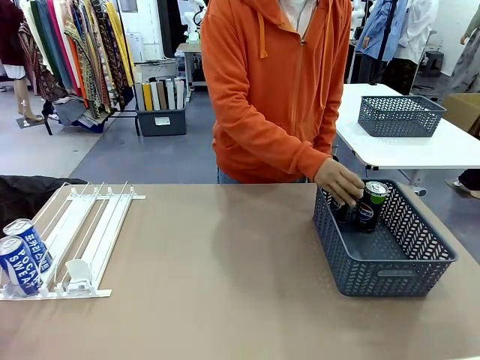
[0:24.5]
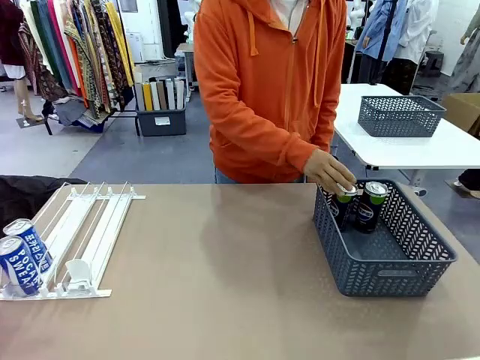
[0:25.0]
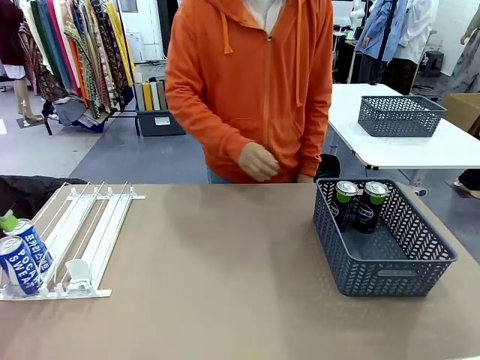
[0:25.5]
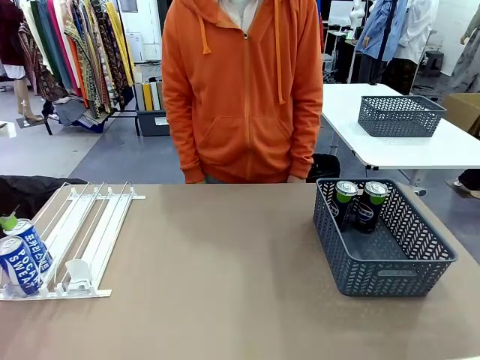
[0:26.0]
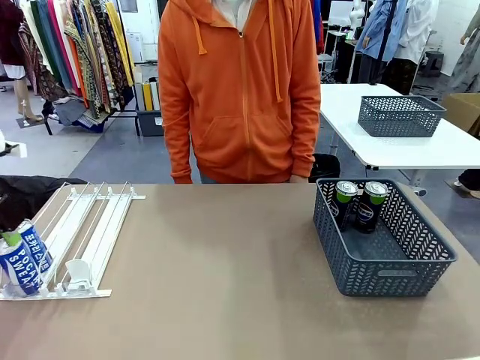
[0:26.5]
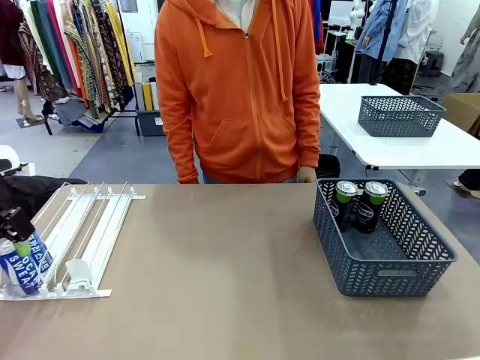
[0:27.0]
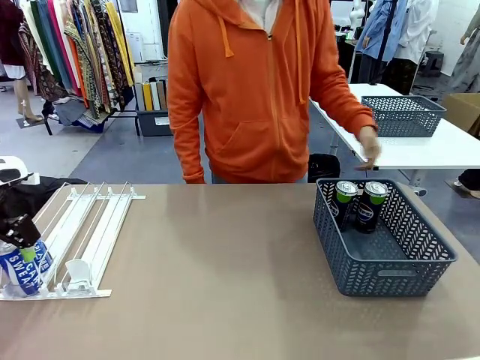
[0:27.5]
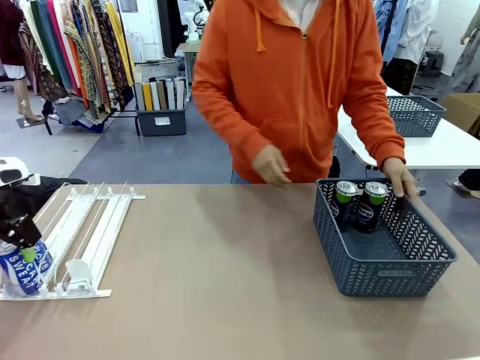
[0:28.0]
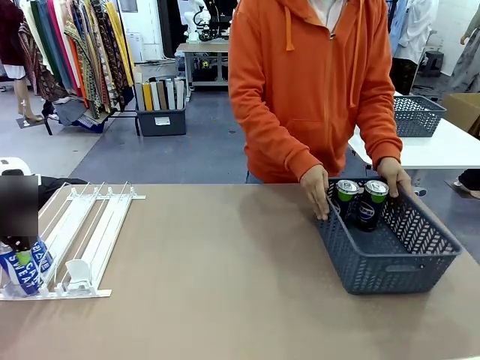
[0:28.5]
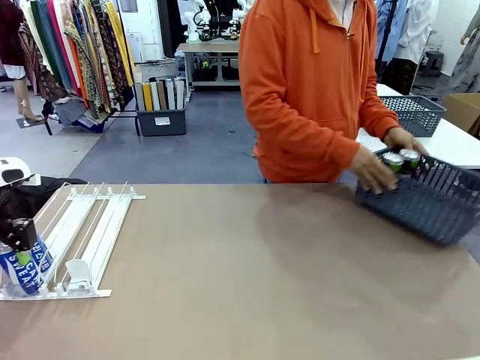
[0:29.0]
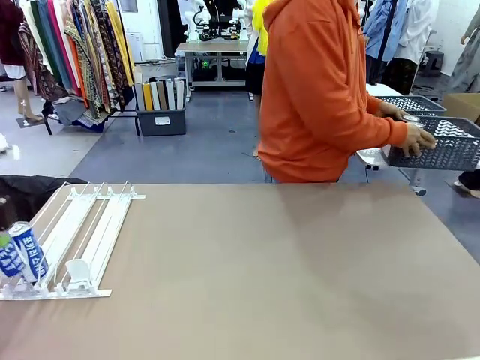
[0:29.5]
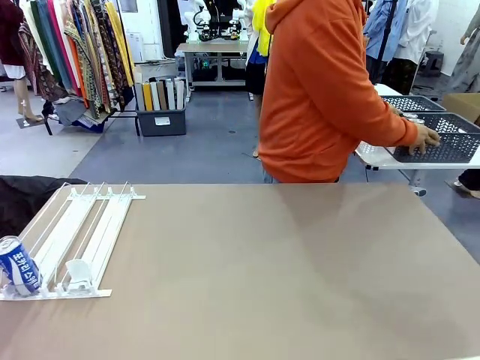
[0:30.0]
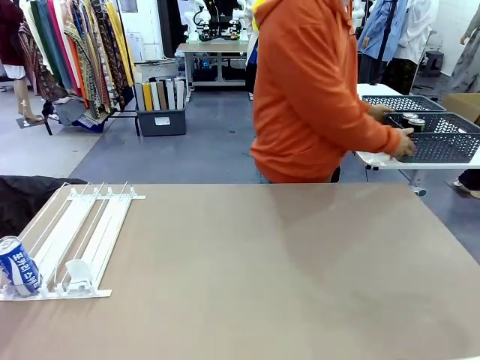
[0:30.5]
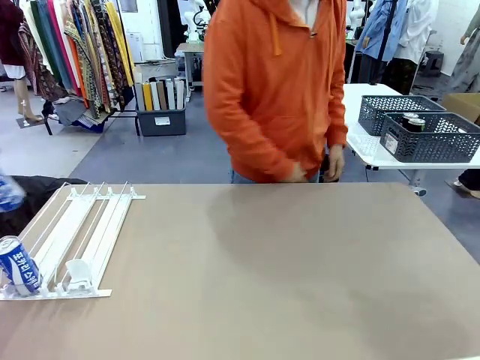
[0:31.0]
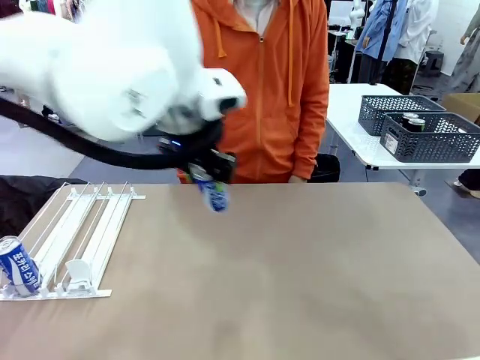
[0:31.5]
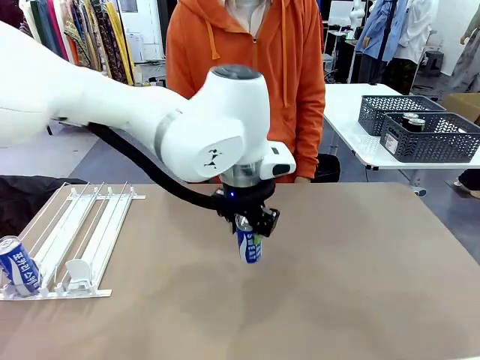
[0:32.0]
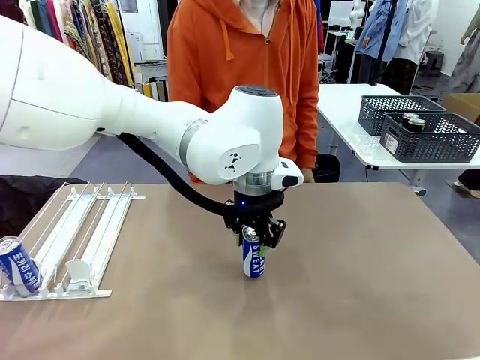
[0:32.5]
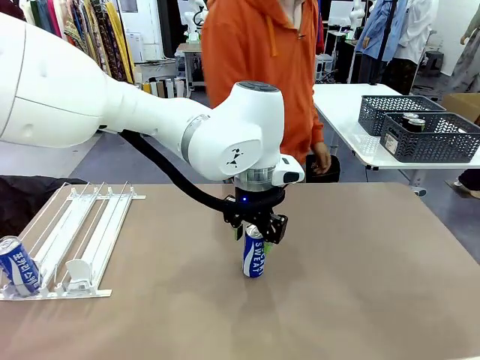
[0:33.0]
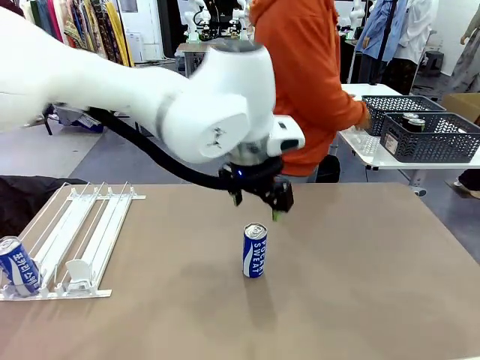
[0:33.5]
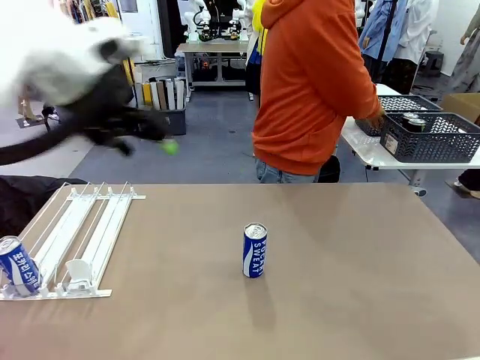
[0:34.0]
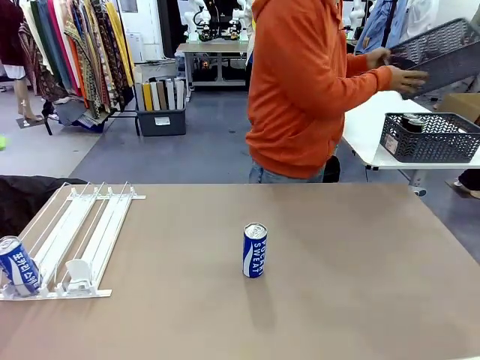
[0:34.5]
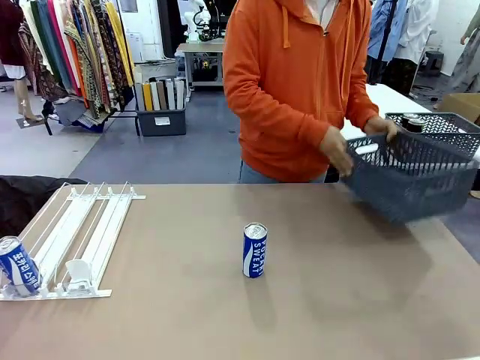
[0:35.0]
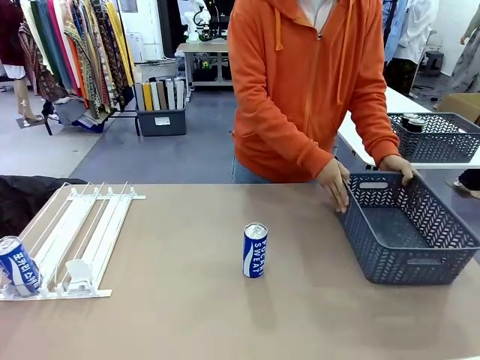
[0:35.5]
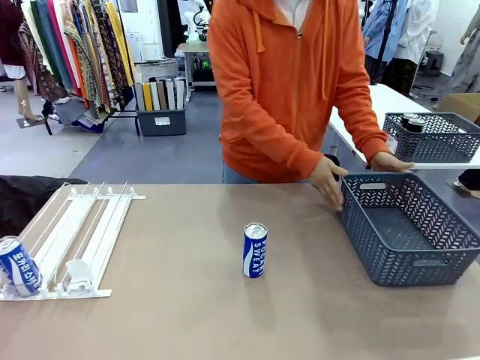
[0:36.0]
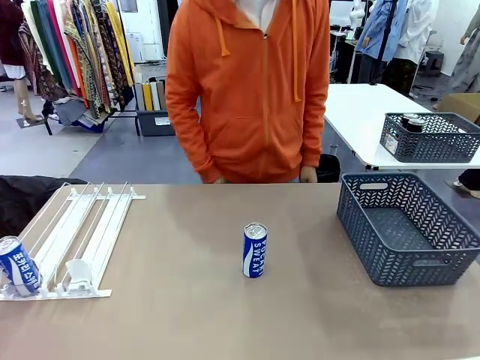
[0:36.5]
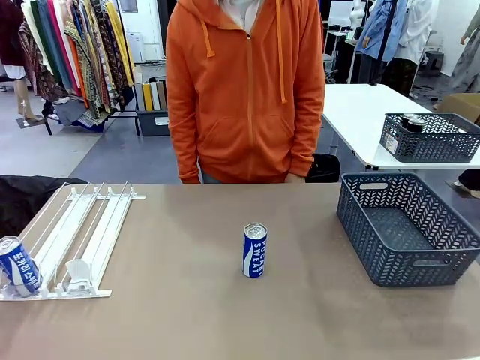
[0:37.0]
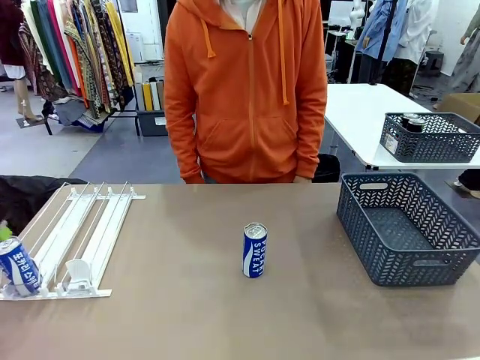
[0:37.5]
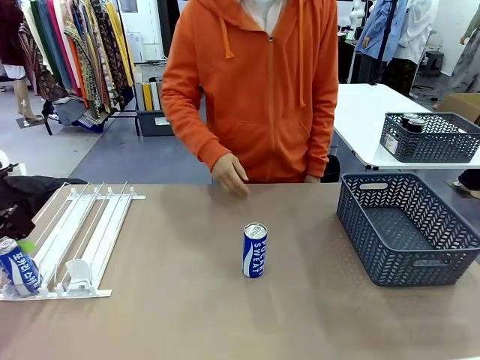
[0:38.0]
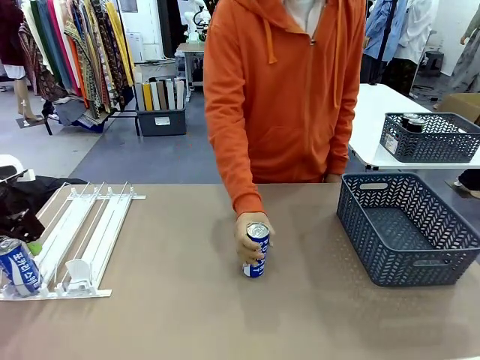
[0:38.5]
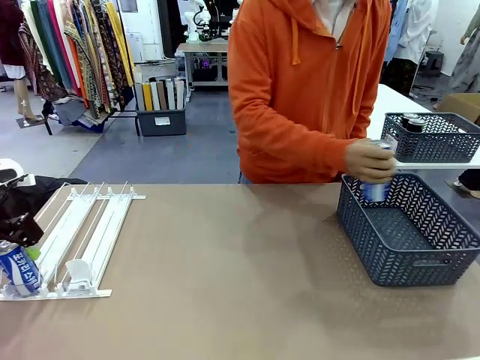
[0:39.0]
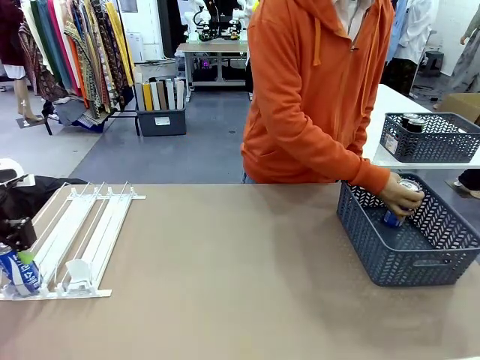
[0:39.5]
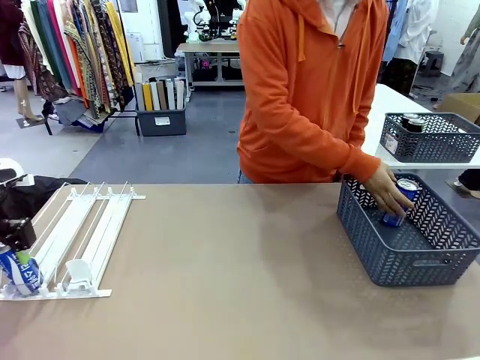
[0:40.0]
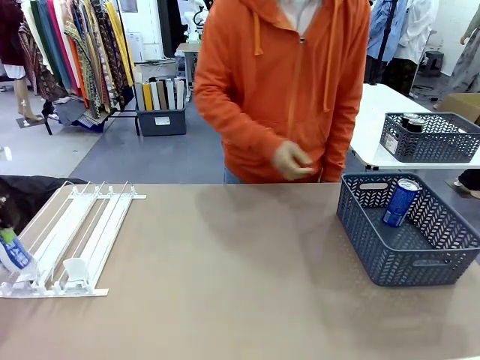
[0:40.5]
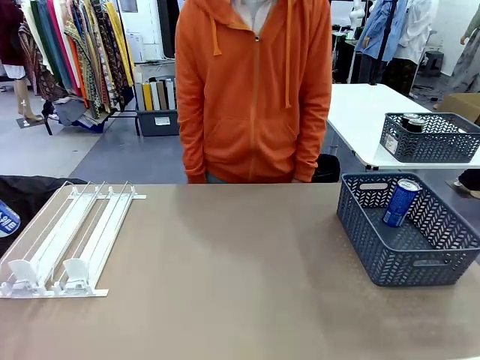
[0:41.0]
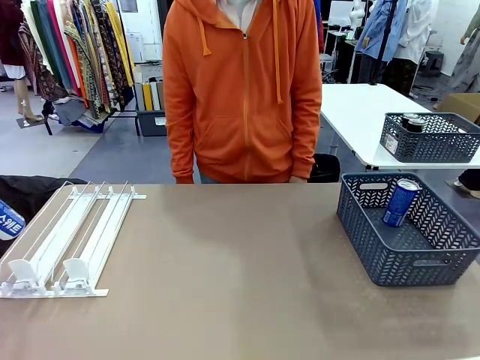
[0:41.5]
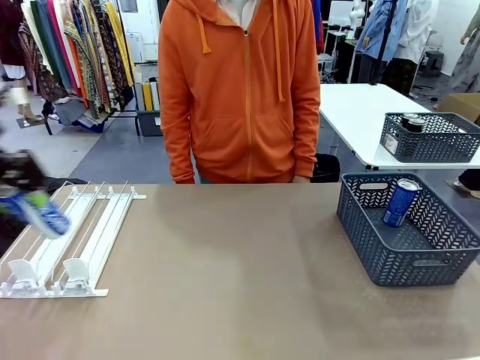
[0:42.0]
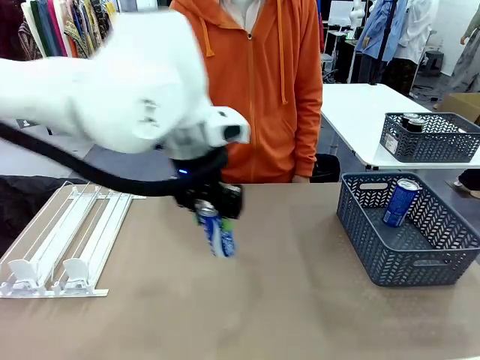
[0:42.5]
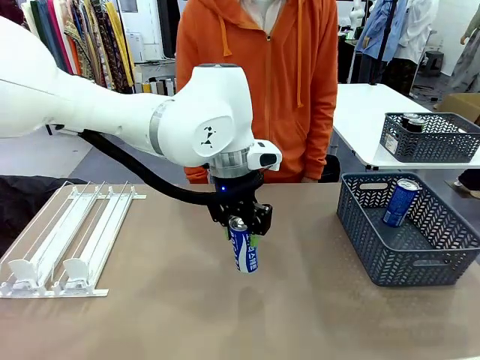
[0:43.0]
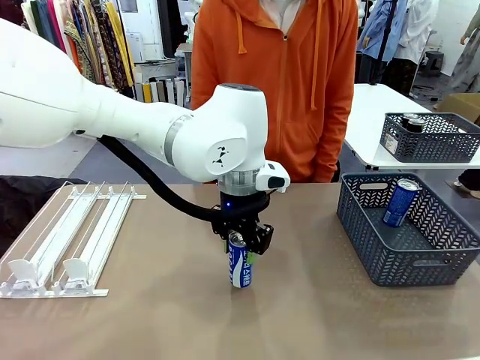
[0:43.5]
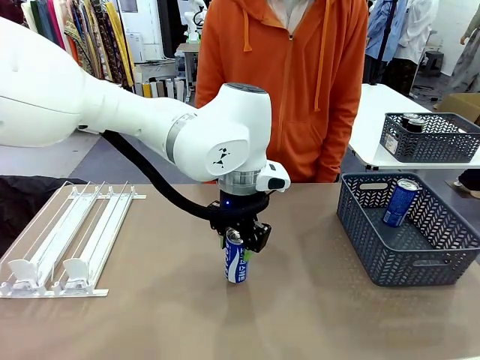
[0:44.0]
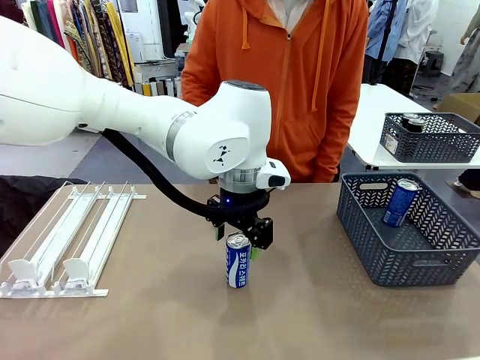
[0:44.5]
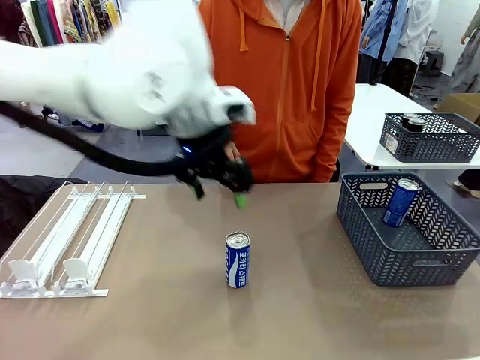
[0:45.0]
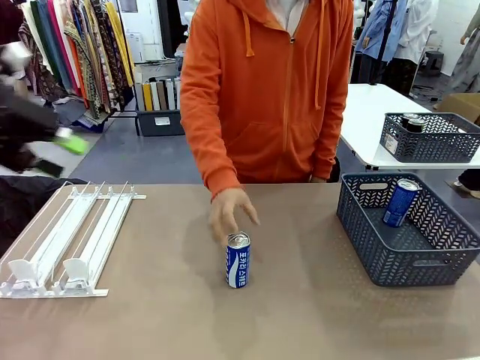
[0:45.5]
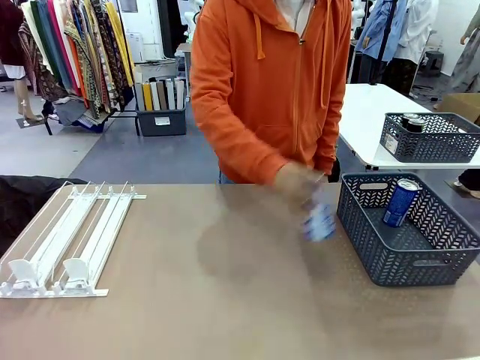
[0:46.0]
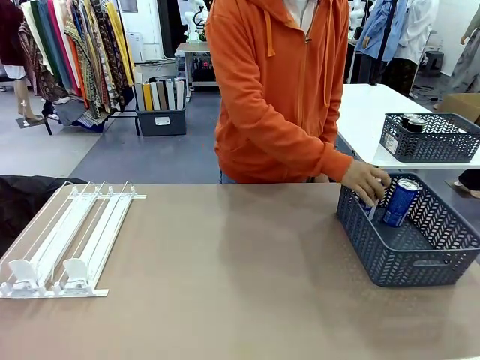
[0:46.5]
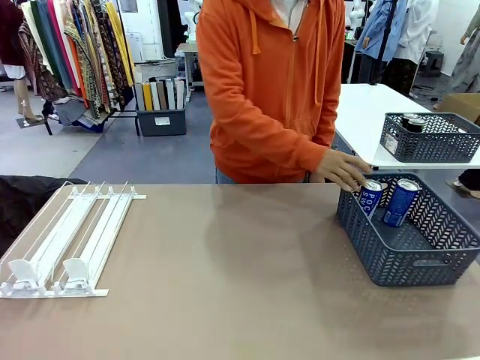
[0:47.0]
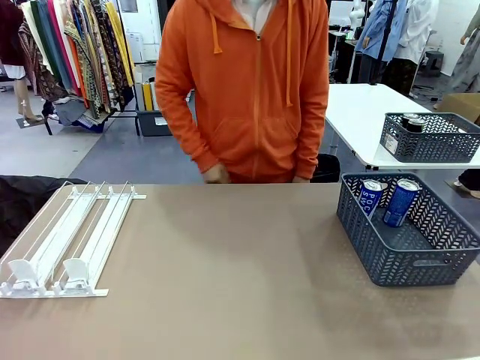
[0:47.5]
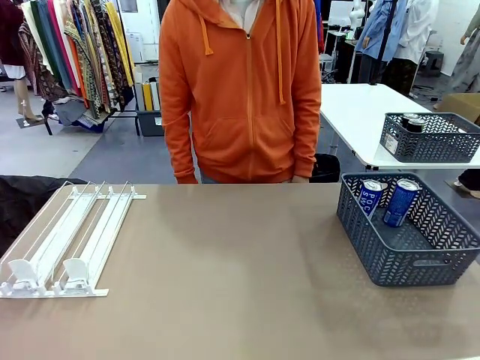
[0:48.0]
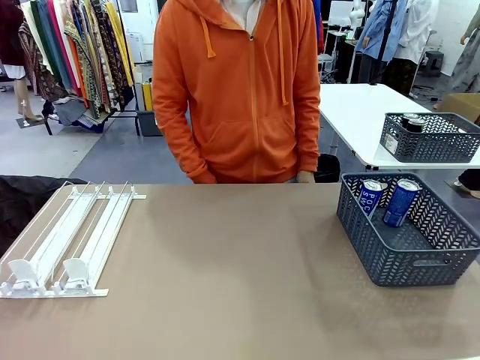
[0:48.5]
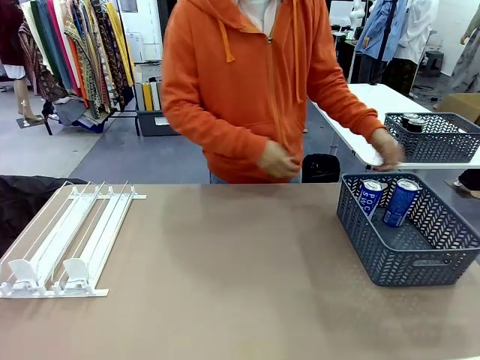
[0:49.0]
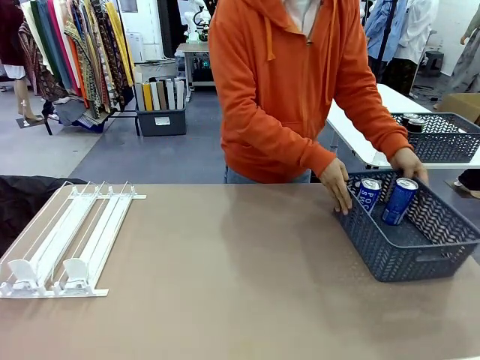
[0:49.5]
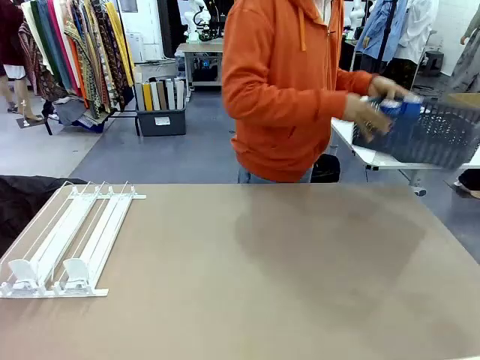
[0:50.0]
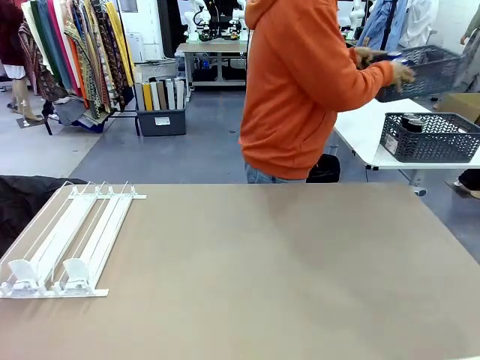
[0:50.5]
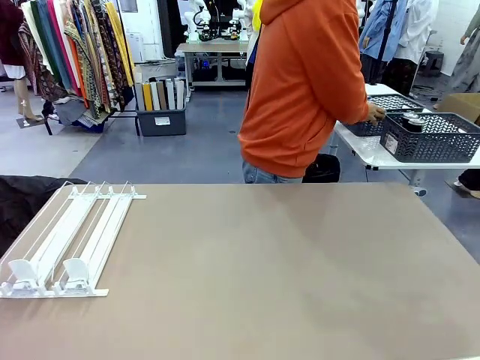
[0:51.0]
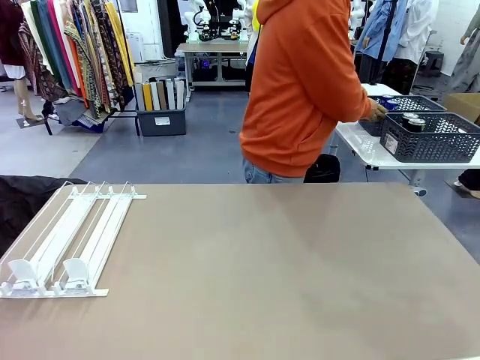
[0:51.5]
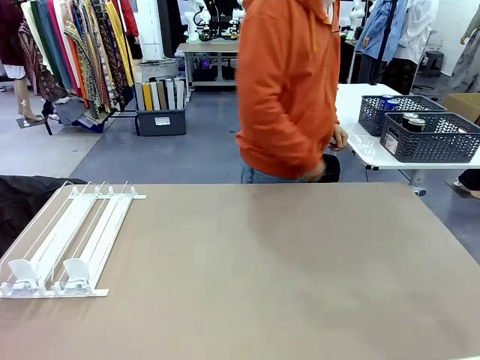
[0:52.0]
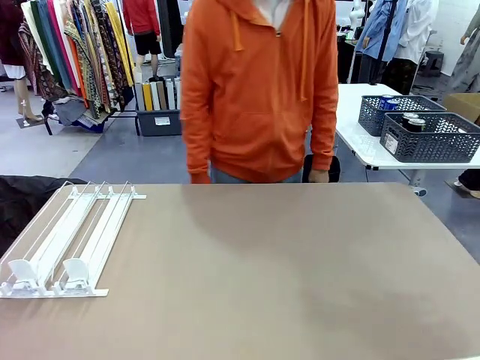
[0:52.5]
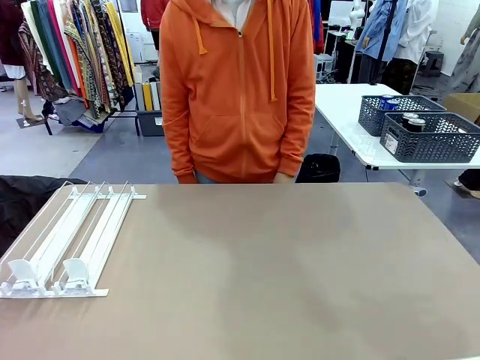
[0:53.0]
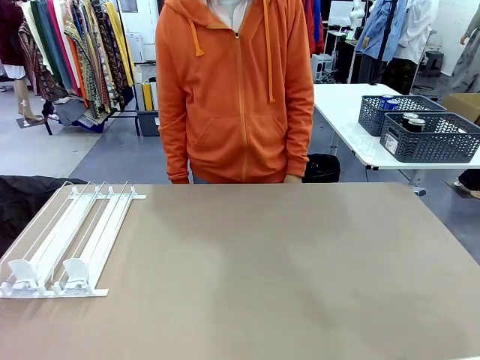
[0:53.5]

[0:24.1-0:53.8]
Task: Retrieve and store the cans from the dispenser.
Robot: Pick up one can from the Automatic Can Dispenser and place it in the middle of the table.
Person: Pick up the basket and place it in the middle of the human table. Pick up the empty basket and place it on the left side of the robot table. Pick up one sports drink can from the middle of the robot table and place it in the basket. Pick up the basket and place it in the middle of the human table.
